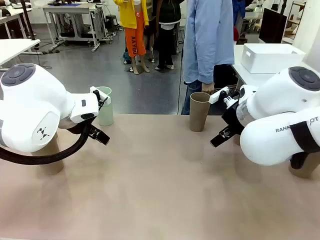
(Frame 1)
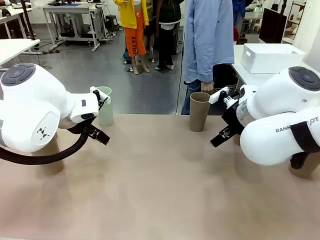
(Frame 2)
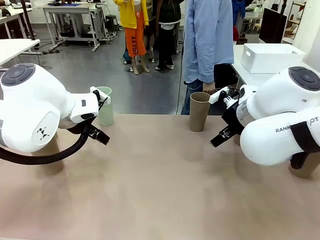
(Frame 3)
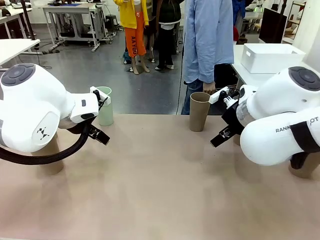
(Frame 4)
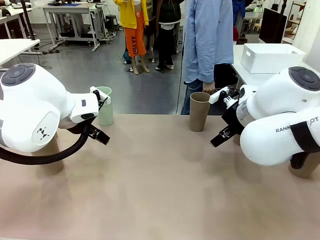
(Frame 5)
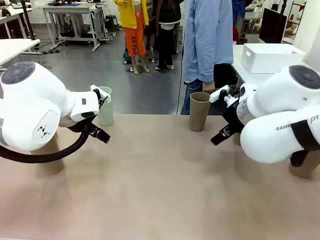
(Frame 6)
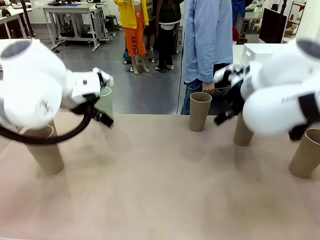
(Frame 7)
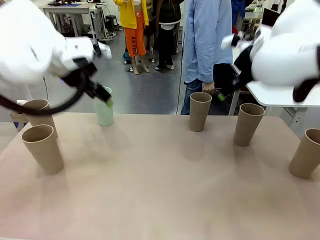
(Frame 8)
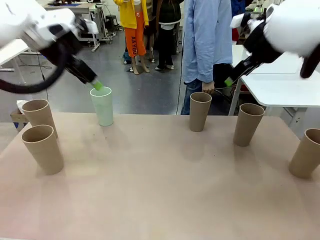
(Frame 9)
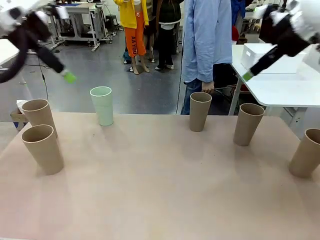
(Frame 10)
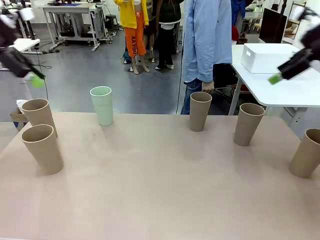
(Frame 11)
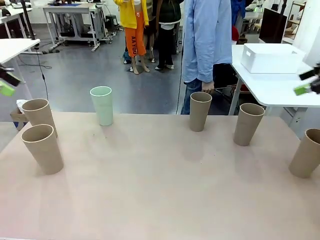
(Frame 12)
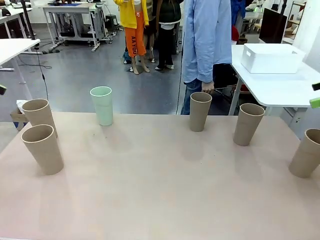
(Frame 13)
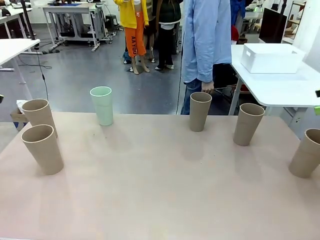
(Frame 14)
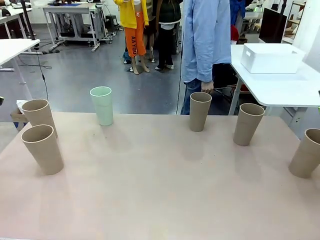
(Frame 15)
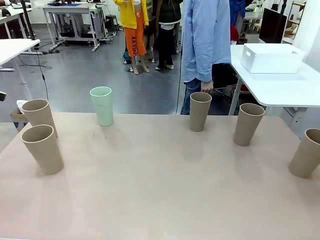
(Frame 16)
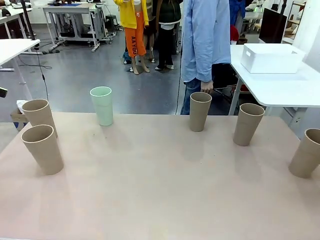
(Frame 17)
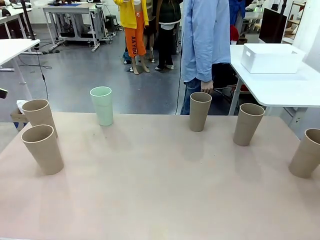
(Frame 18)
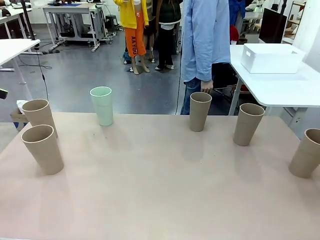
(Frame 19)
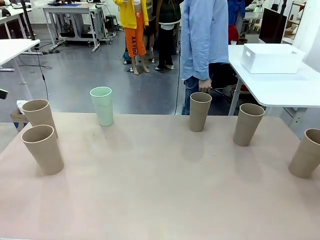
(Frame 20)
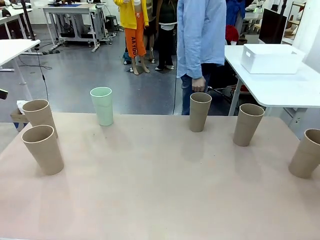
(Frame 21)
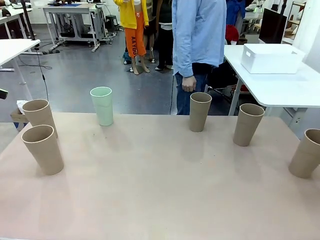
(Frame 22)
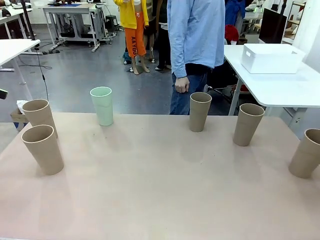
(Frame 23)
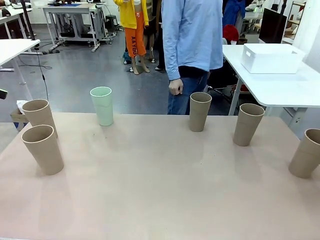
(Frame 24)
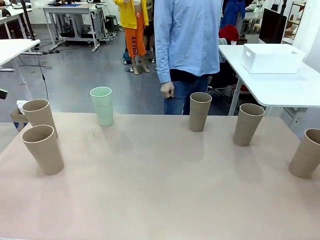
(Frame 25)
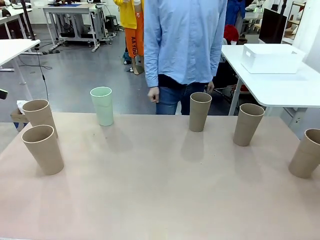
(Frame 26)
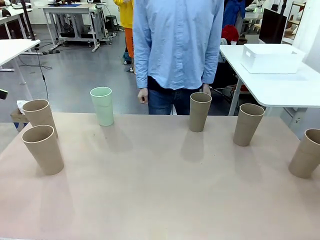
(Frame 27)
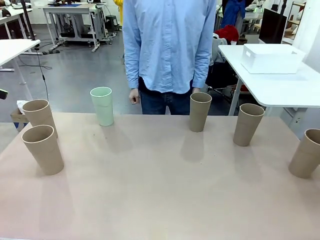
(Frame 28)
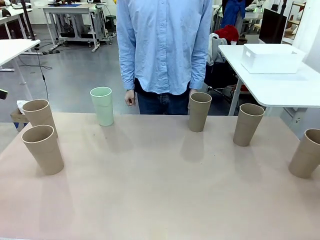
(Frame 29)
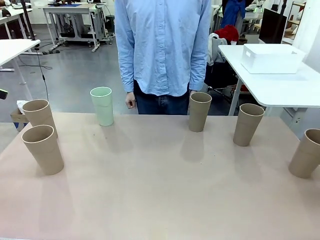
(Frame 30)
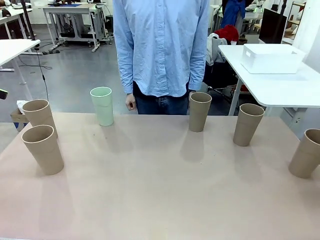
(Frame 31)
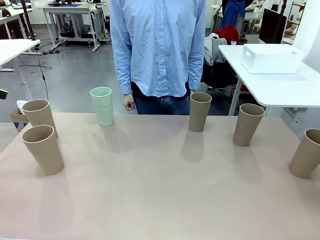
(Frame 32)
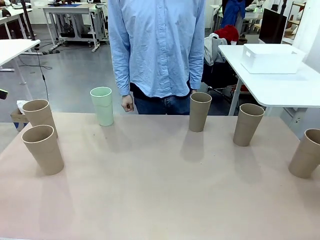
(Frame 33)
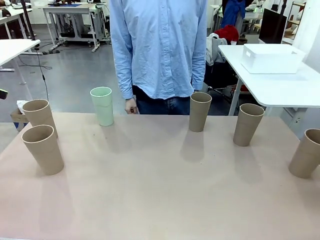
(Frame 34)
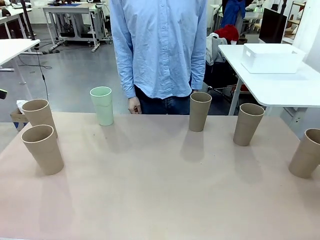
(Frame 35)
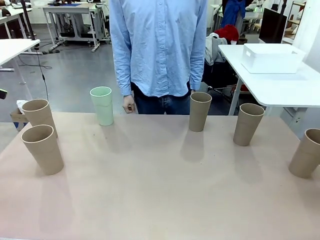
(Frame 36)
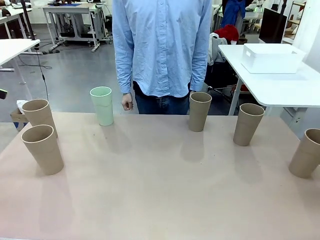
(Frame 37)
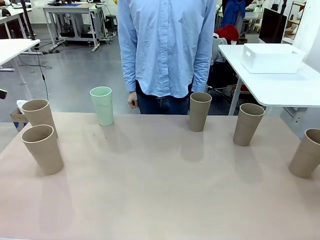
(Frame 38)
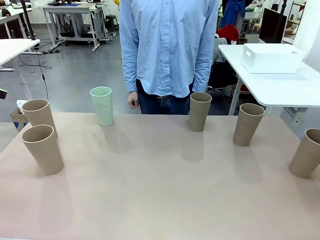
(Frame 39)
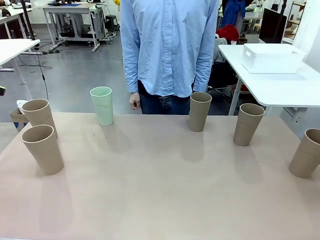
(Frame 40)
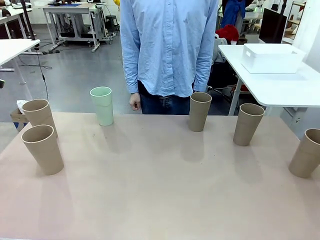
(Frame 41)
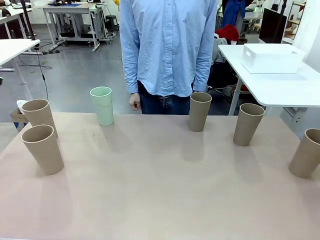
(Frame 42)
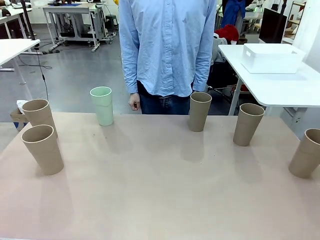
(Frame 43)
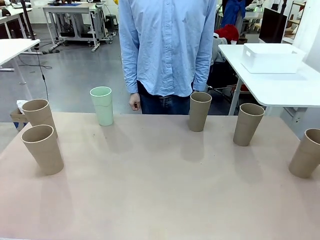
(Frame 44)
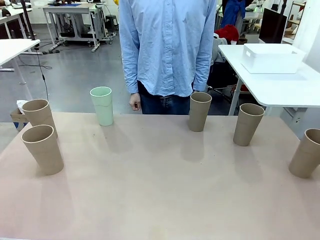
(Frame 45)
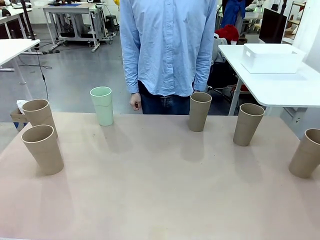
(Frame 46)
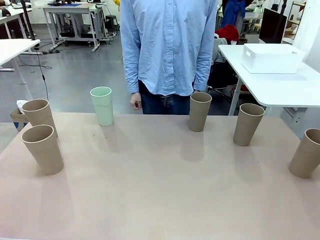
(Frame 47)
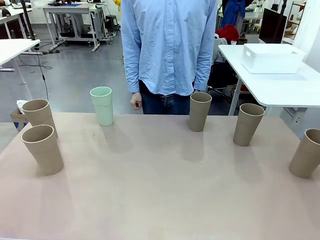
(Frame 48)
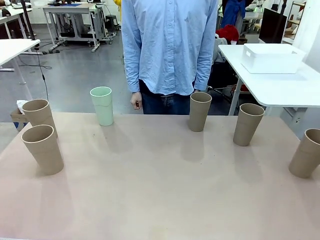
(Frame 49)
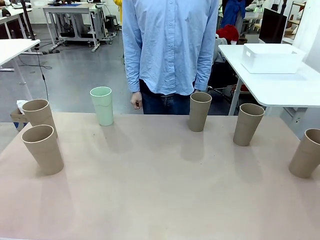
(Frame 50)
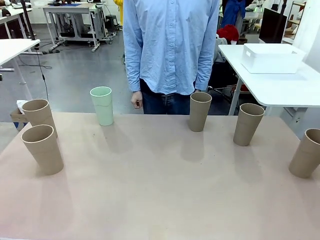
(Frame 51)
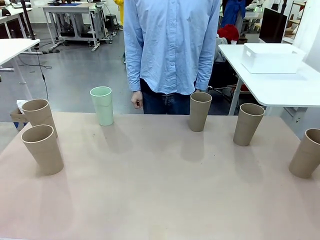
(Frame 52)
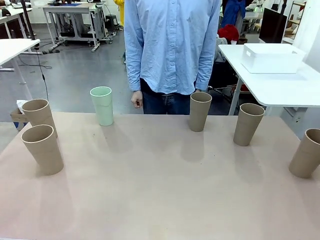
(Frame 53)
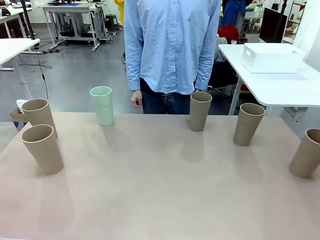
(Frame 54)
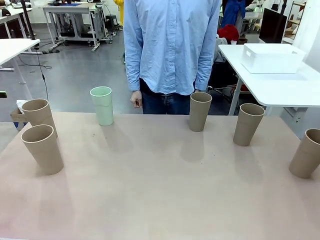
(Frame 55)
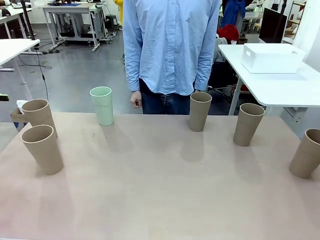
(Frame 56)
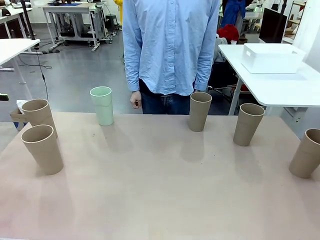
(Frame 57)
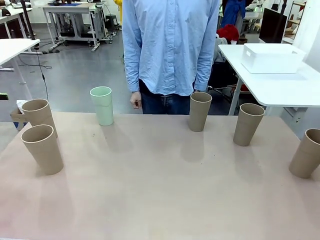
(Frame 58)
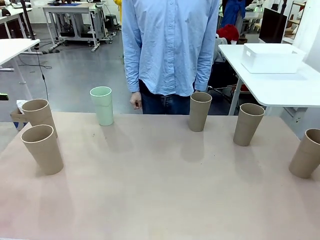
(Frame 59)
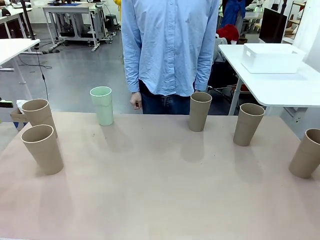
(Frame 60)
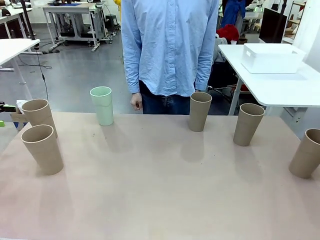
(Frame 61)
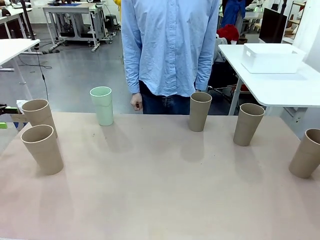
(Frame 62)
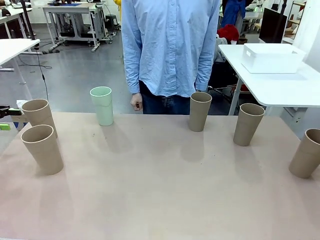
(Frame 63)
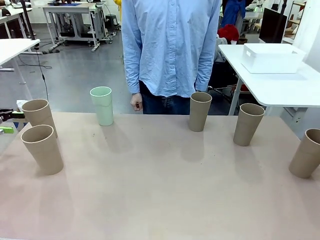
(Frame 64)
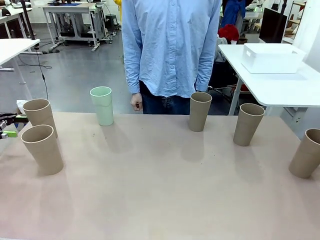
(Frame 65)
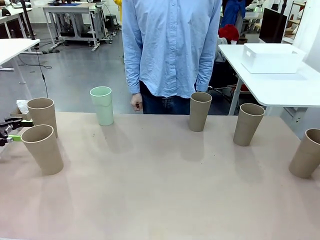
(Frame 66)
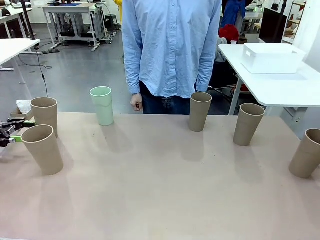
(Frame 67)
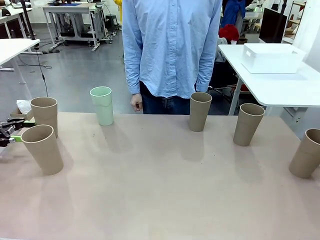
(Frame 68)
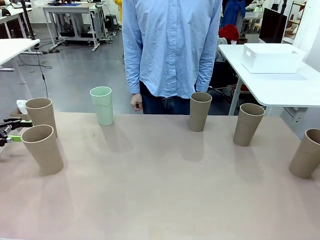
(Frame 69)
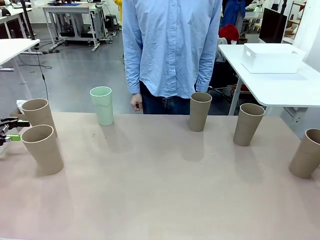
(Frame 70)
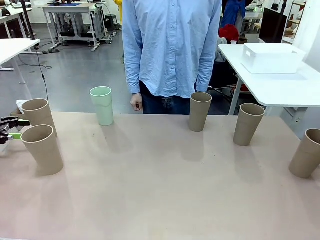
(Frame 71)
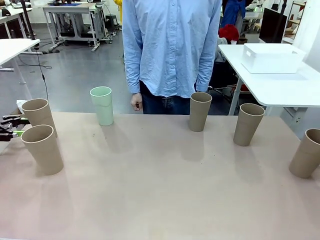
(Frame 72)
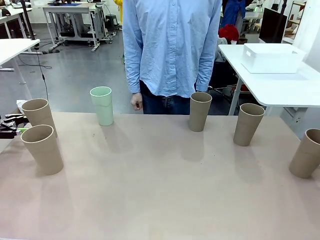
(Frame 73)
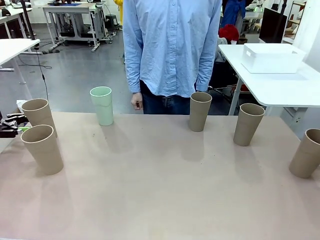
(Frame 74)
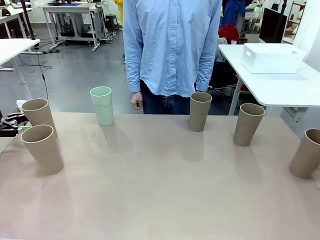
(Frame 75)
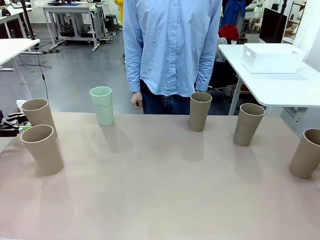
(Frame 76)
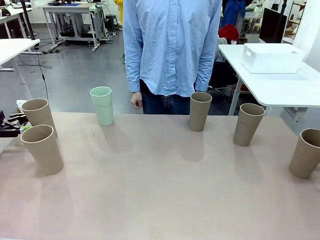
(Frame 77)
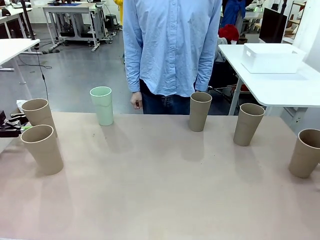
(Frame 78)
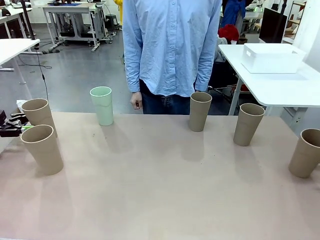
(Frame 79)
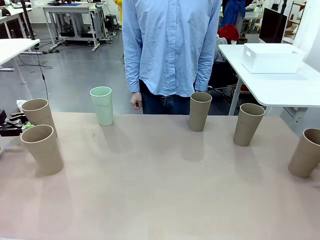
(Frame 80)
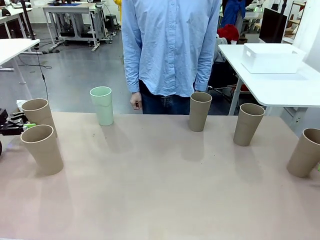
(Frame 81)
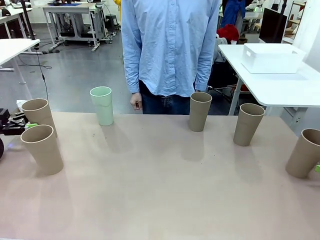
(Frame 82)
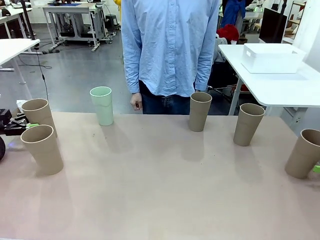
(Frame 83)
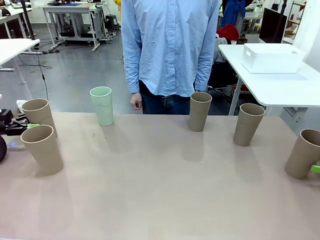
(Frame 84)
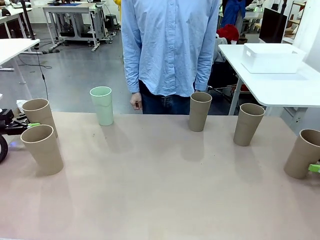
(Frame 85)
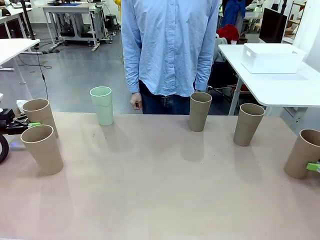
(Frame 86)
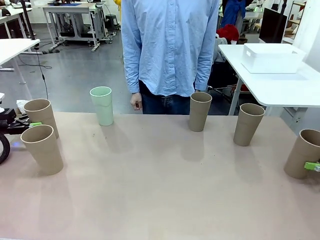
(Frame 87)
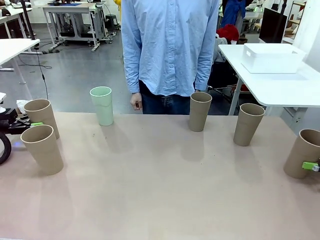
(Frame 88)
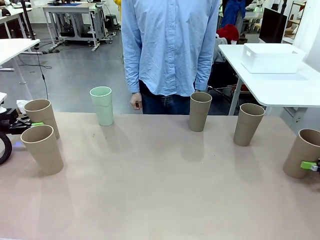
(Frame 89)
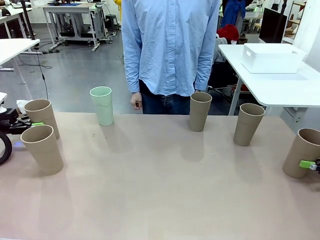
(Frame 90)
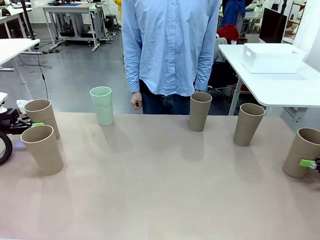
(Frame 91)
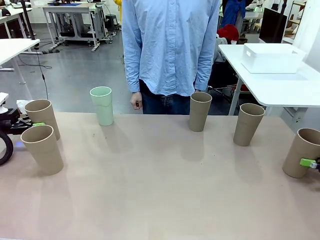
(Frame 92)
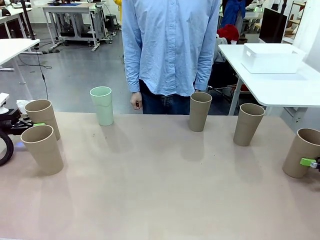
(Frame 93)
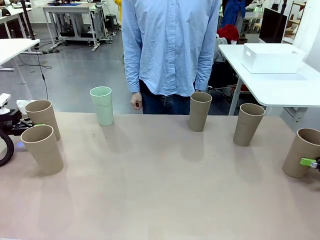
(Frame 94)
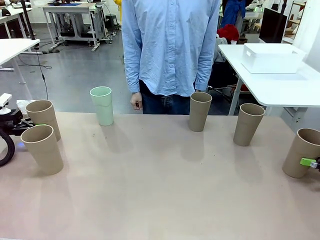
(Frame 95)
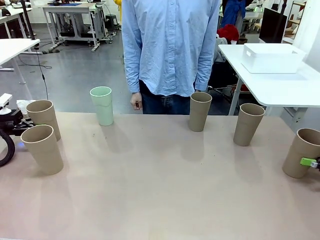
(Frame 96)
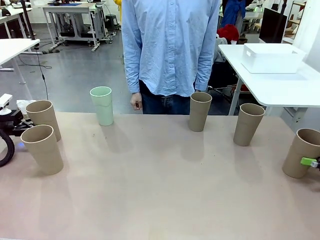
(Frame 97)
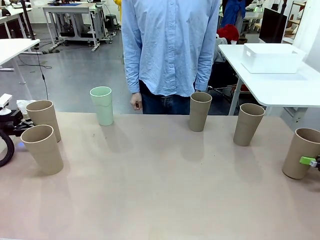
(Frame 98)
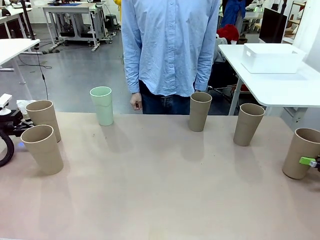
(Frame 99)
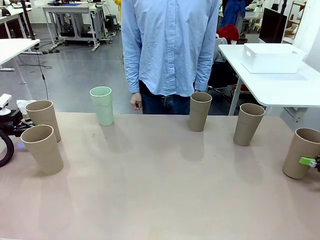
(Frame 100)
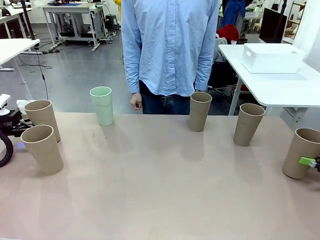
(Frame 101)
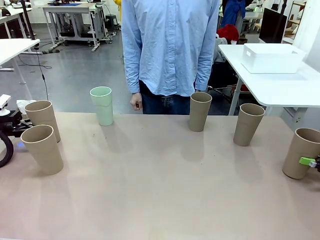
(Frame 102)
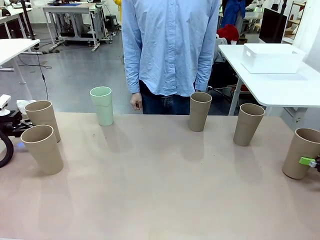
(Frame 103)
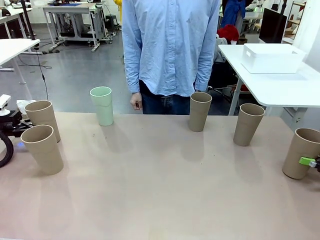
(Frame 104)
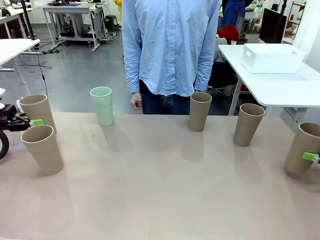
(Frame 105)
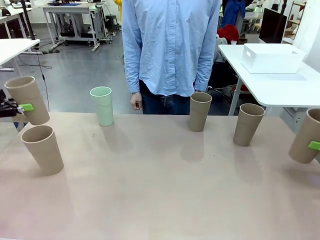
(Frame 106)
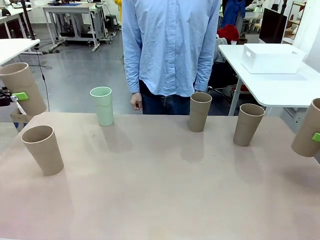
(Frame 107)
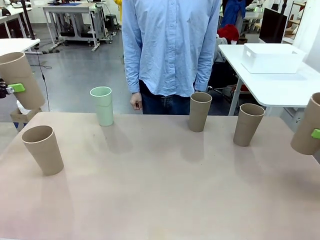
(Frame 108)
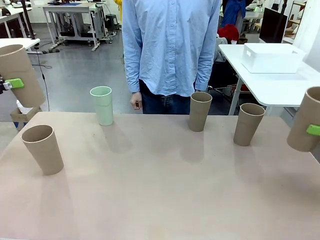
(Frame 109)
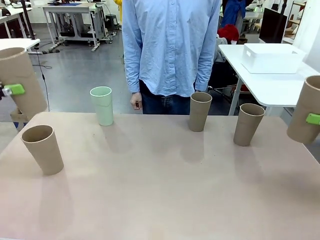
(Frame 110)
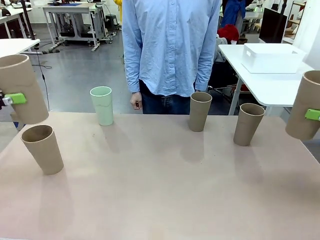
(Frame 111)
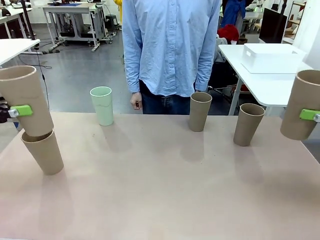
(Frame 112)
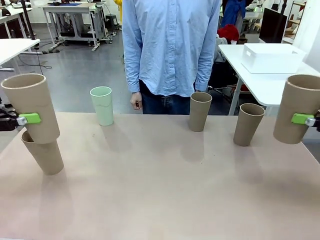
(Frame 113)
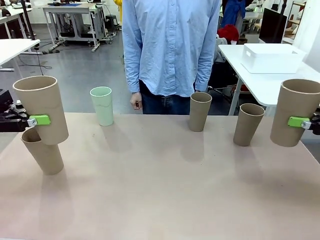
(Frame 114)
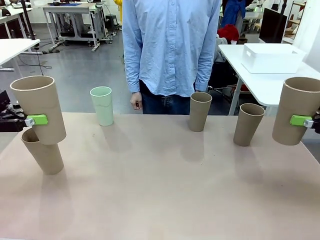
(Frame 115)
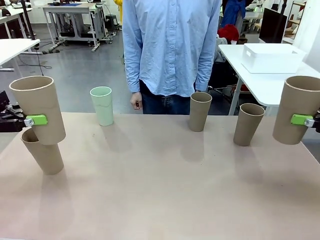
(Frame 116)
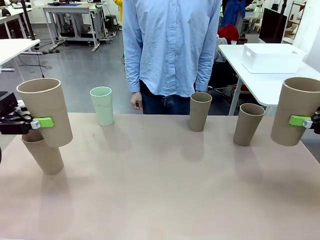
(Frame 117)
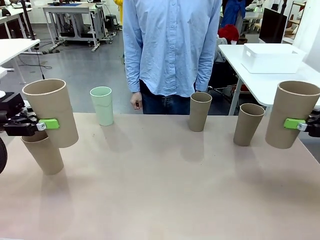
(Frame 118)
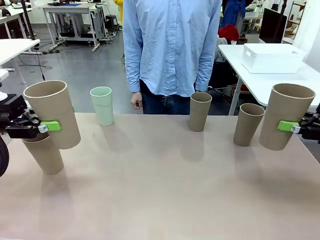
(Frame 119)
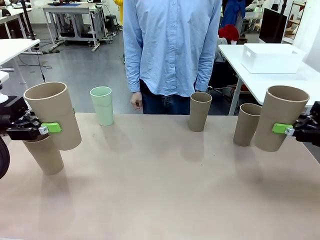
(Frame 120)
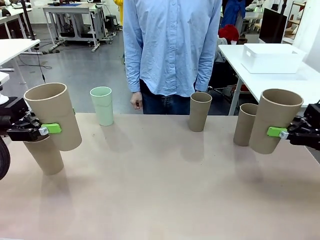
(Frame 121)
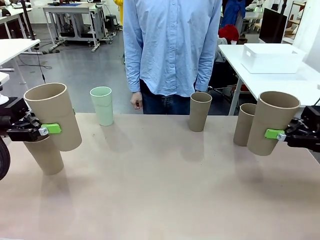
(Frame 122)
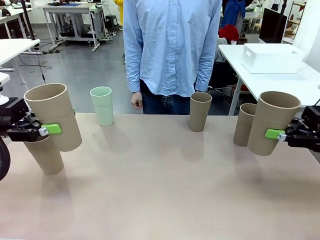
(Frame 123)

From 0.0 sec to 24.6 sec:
Task: Stack the cups and store them in the basket.
Robot: Pick up two Reusable plastic cups , one in each hand.
Person: Move from the Human Table to the front of the Robot Table. Stack two of the remaining cups on top of each cup held by the robot.
